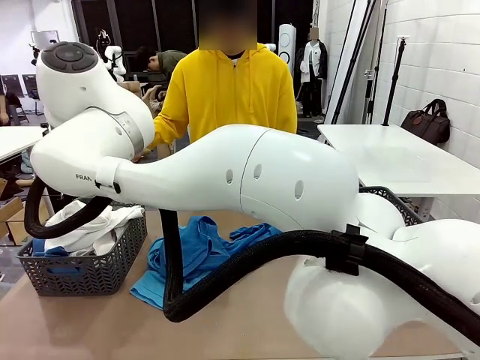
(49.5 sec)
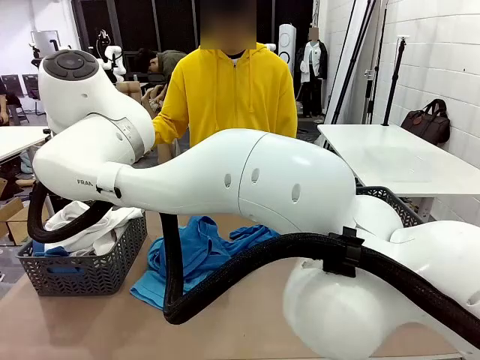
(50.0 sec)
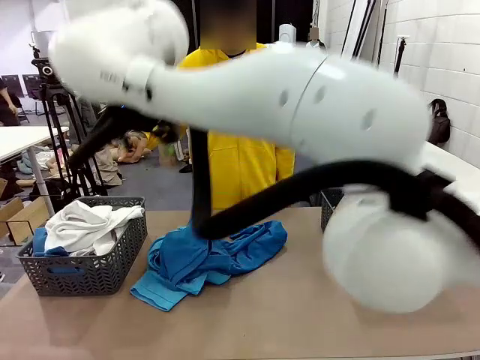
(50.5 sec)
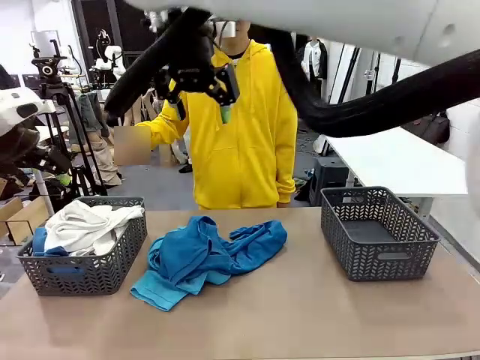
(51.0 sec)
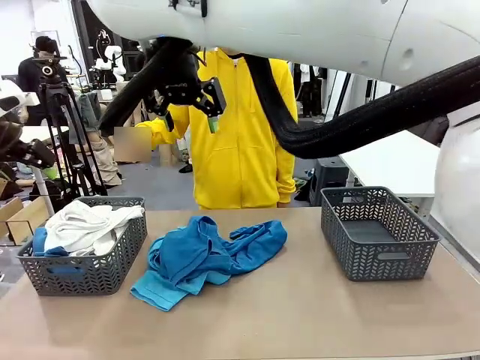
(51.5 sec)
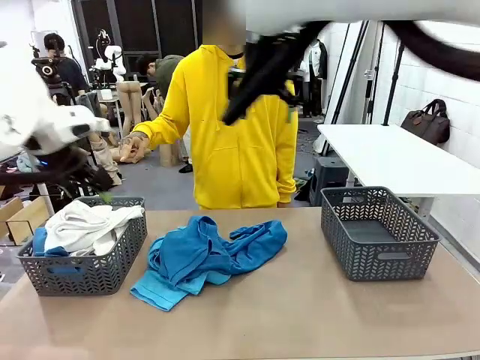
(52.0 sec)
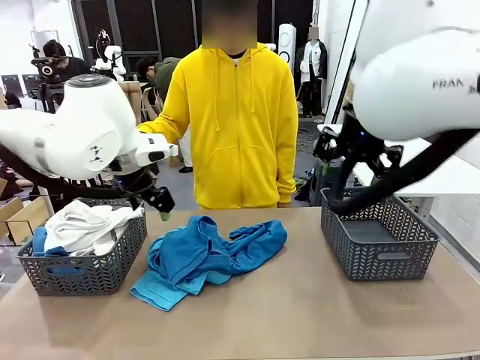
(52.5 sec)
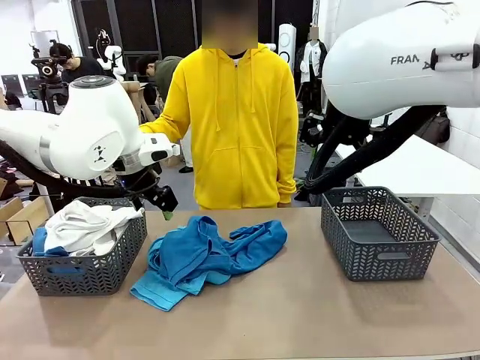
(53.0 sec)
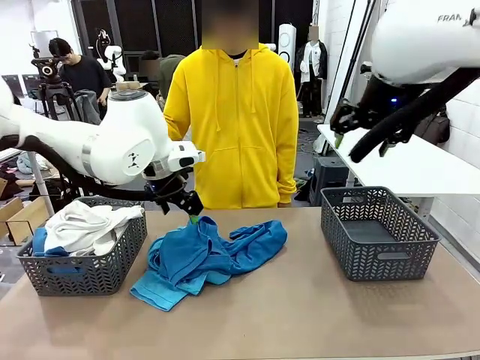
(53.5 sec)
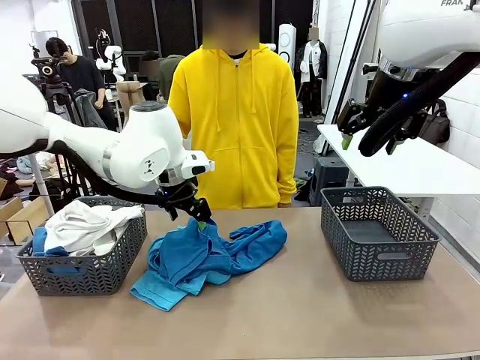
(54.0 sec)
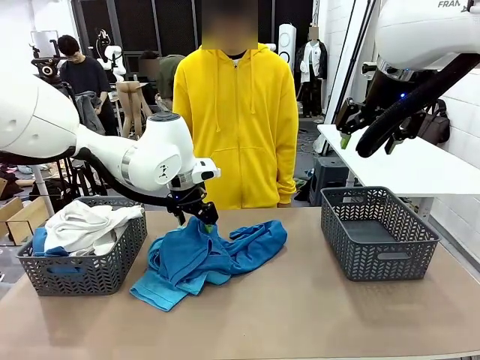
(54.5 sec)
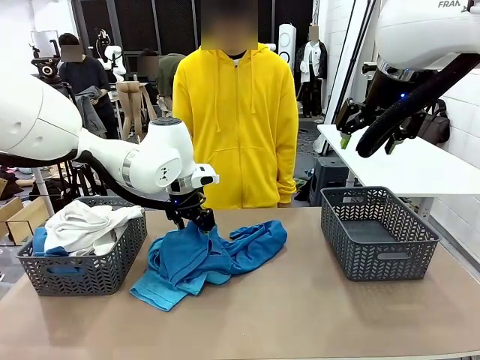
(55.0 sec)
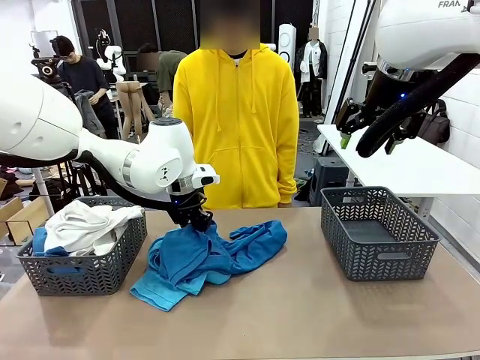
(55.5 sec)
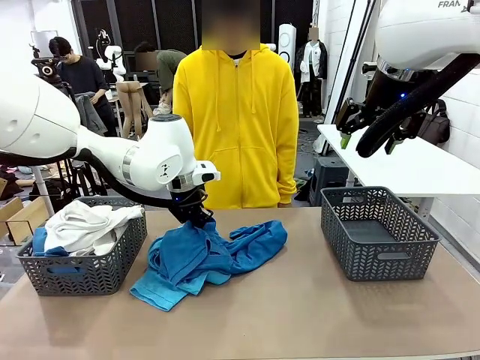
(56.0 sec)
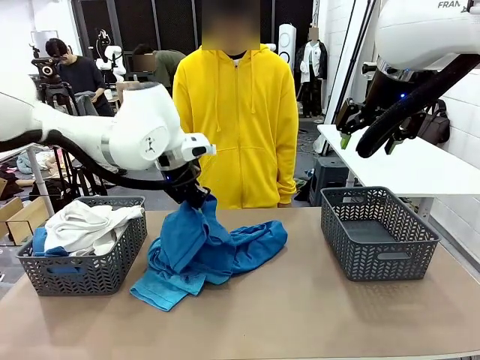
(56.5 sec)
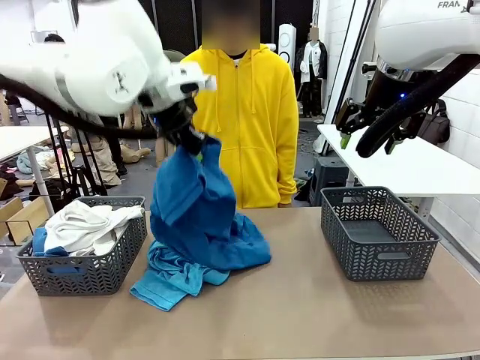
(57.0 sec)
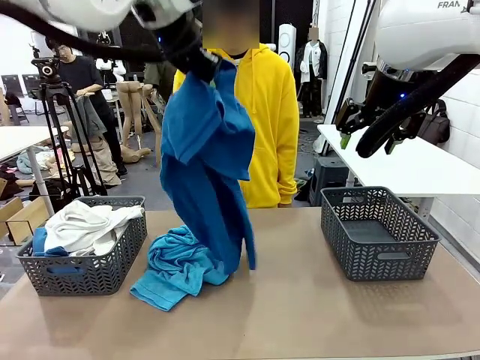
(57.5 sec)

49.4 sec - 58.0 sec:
Task: Sort the tops and bottoms.
Robot: Lift clothes from the center of the table with your left hand.

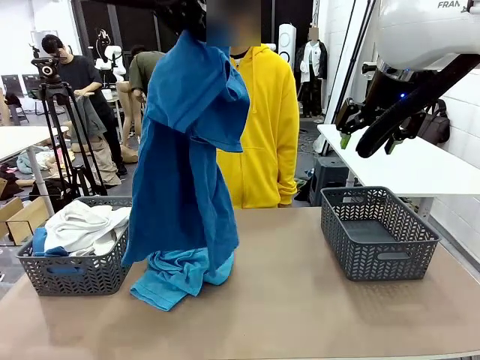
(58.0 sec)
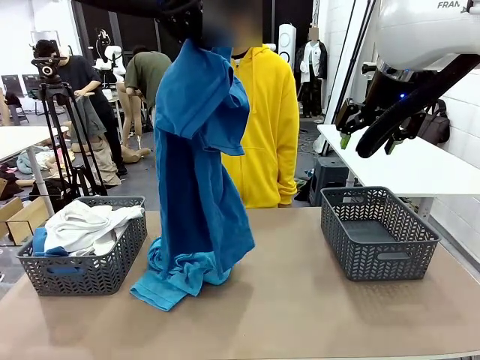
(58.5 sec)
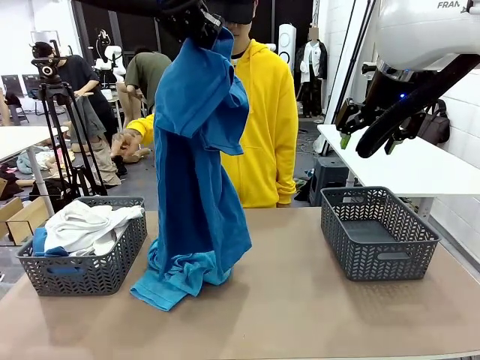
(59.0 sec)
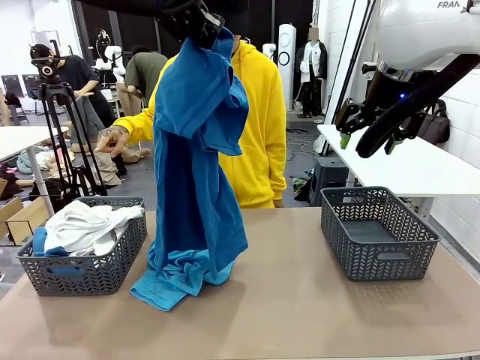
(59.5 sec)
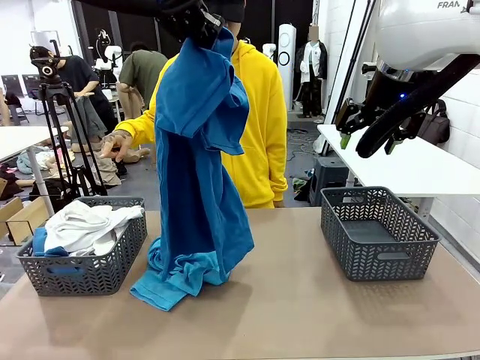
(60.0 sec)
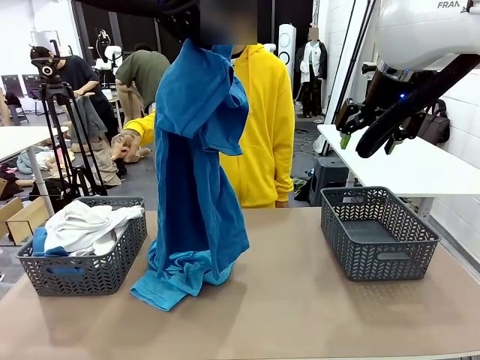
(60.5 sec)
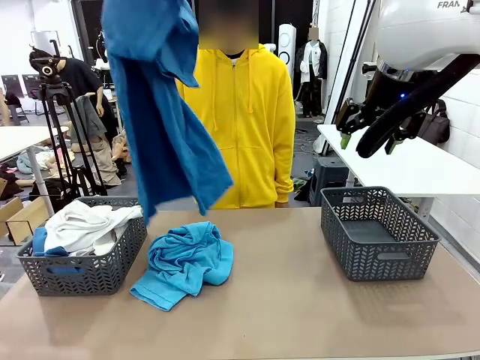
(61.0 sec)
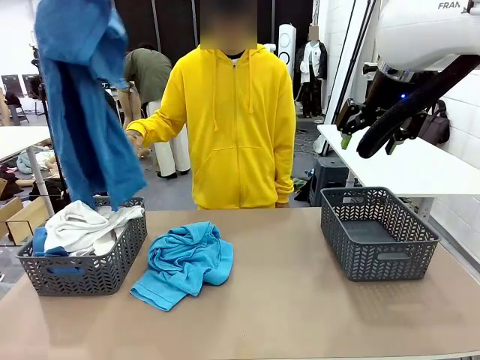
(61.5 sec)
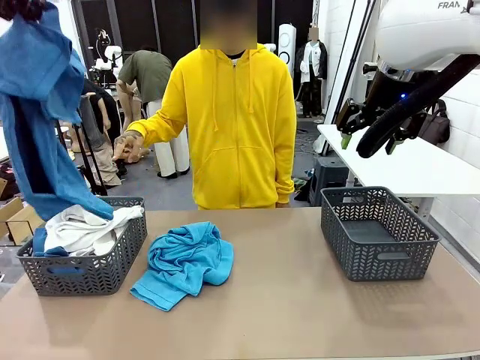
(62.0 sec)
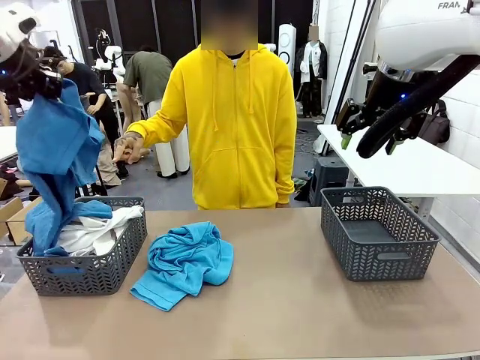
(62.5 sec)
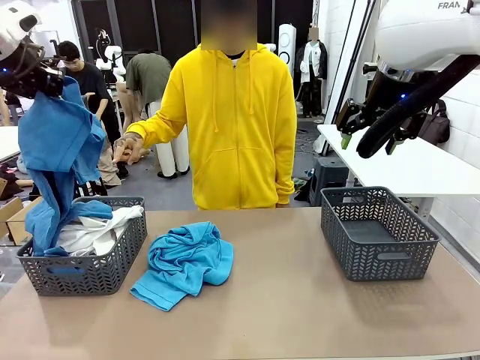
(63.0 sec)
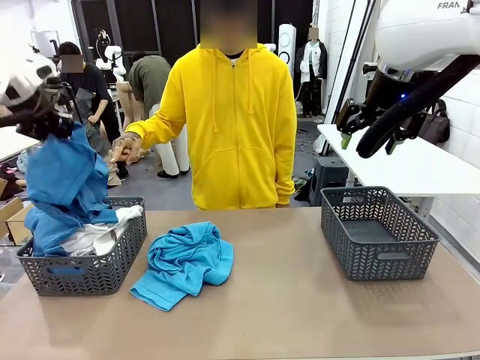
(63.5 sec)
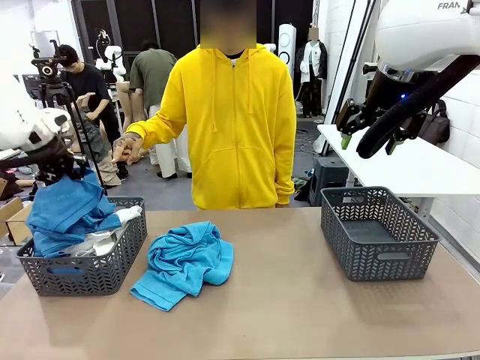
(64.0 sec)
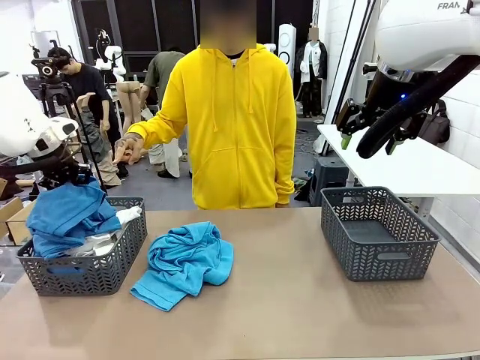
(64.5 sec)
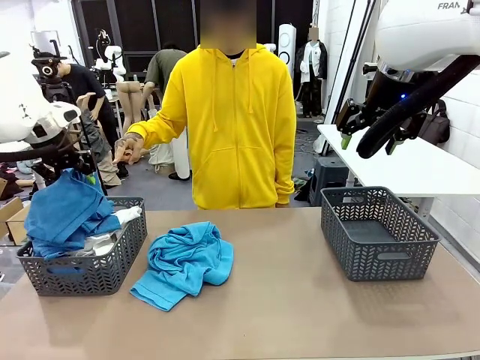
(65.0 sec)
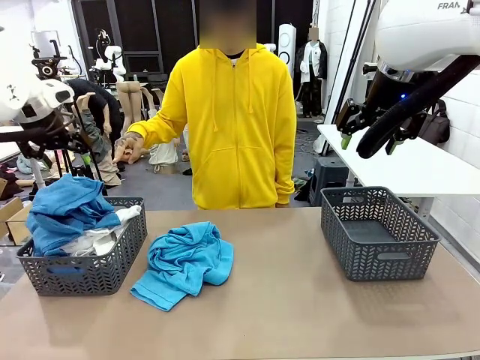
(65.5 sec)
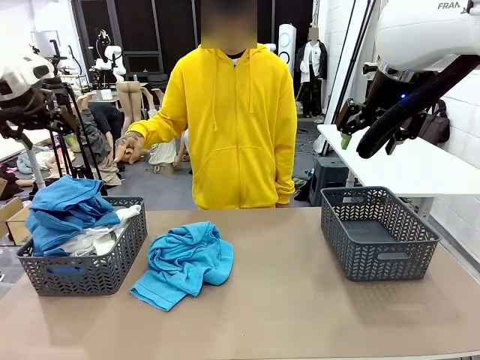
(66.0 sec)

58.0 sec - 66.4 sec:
Robot: Sort the clothes according to human instructions.

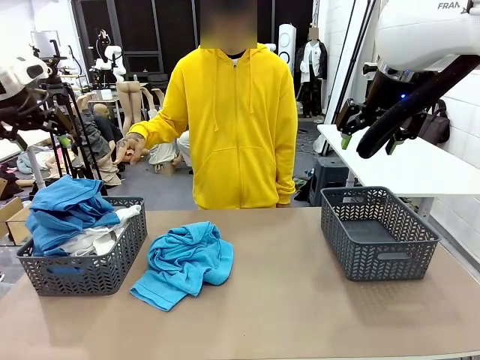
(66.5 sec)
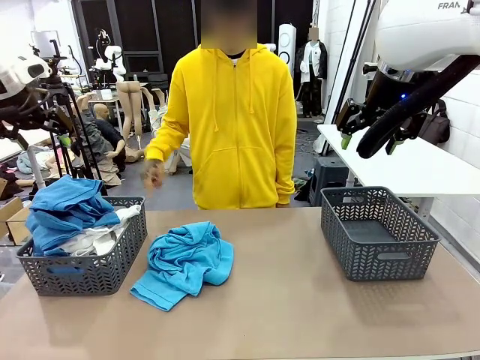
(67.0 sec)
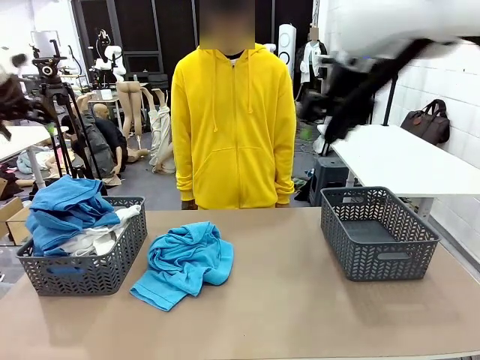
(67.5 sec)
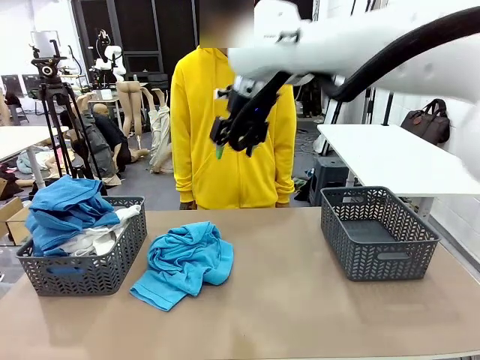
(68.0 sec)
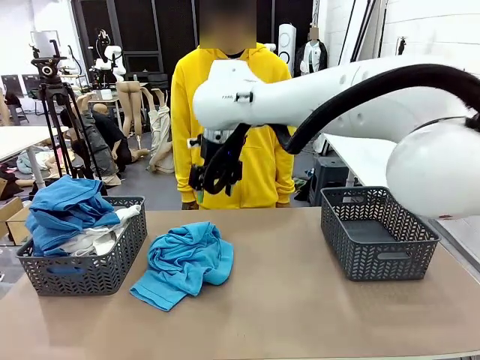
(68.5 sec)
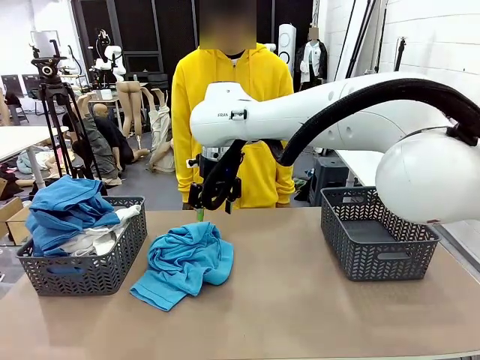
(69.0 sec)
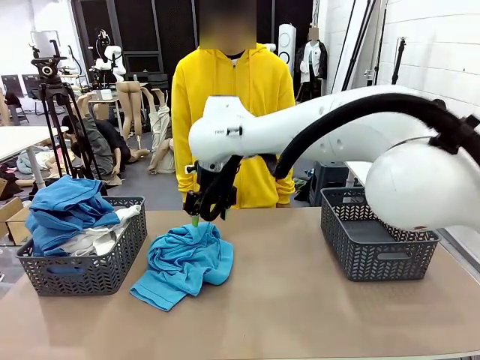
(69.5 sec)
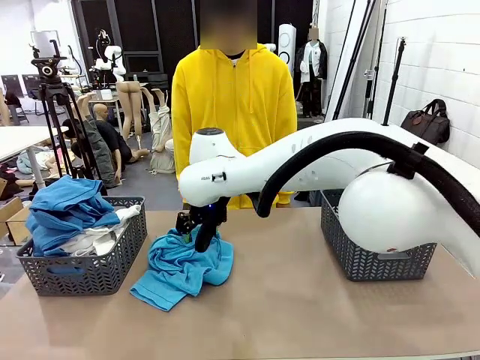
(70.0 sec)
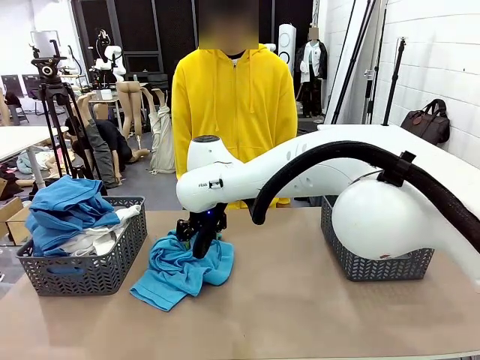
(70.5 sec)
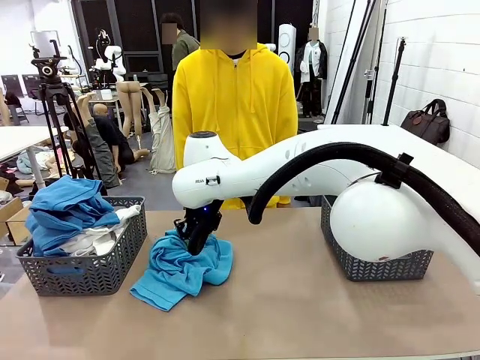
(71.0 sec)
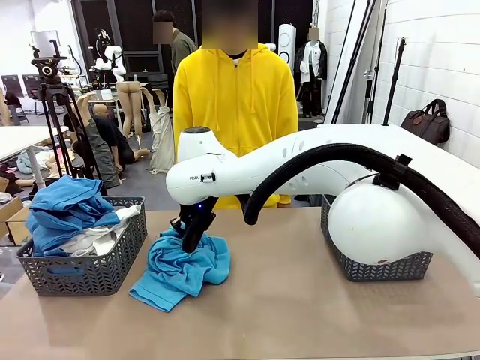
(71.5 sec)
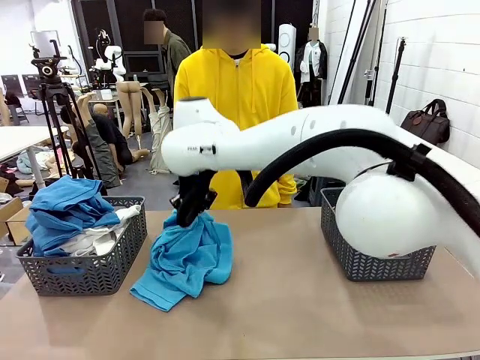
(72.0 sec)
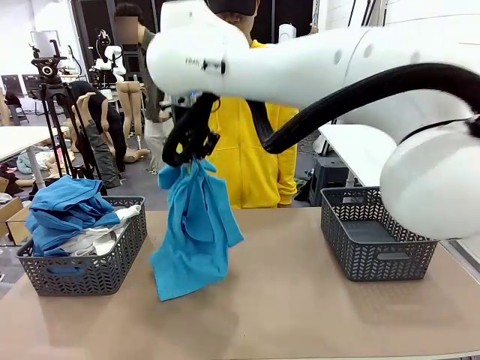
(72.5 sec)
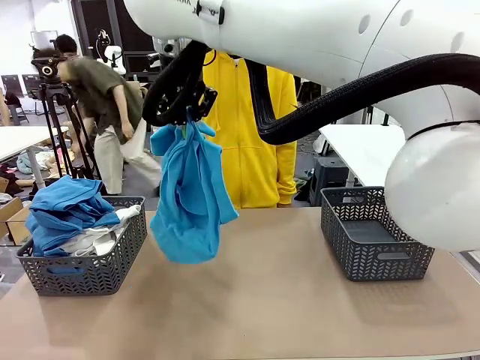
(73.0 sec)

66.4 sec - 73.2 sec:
Robot: Lift clothes from the center of the table with your right hand.
